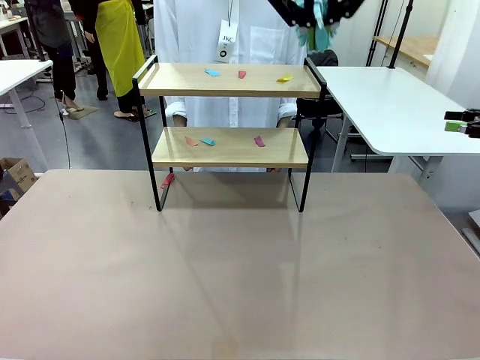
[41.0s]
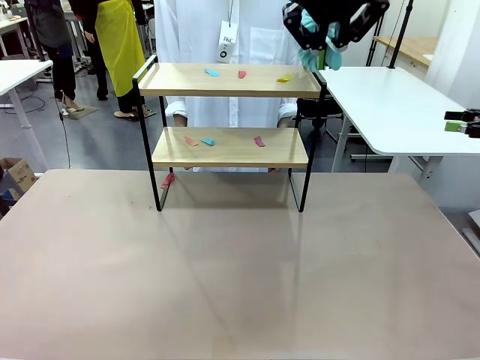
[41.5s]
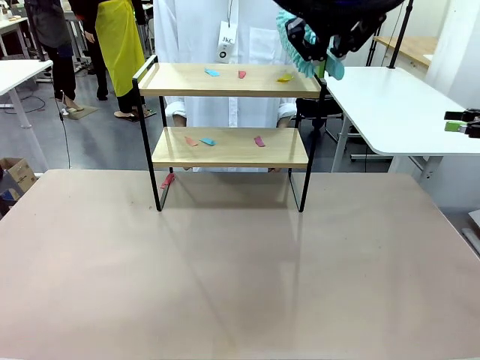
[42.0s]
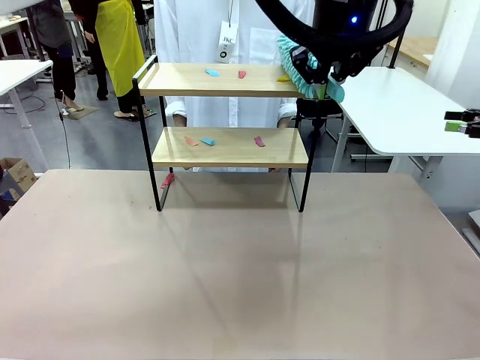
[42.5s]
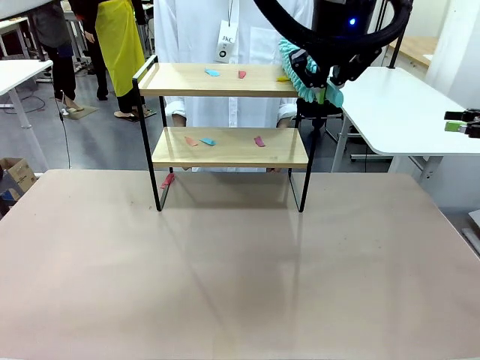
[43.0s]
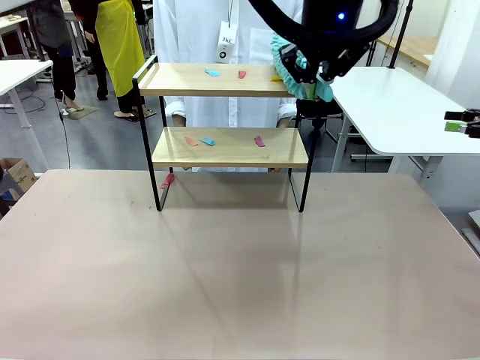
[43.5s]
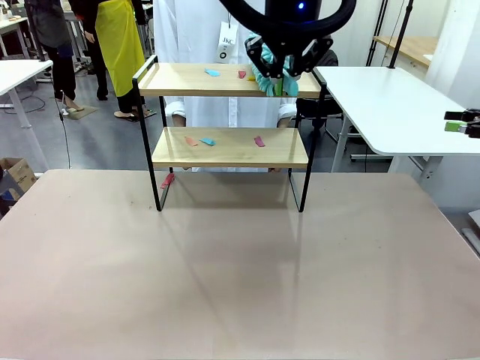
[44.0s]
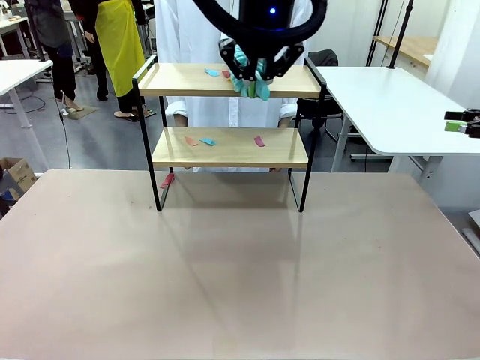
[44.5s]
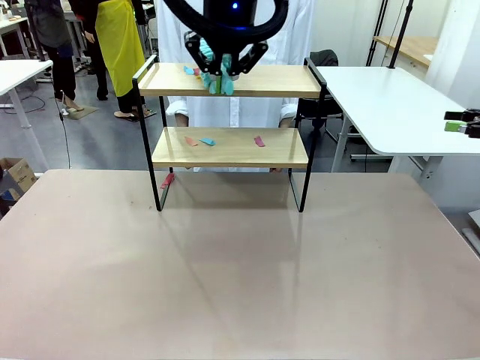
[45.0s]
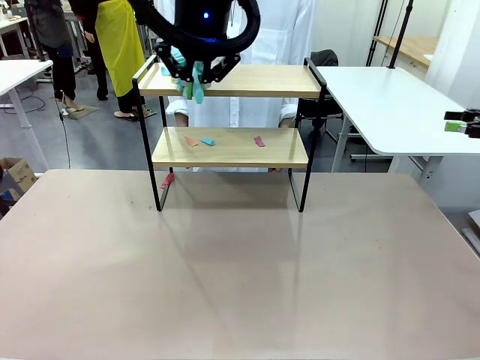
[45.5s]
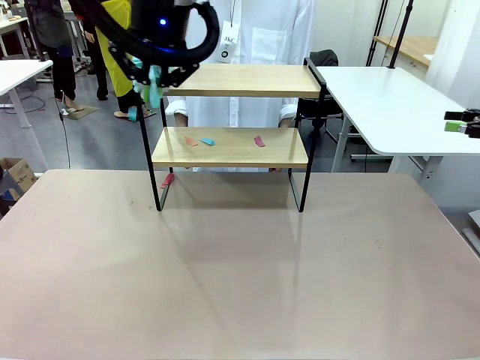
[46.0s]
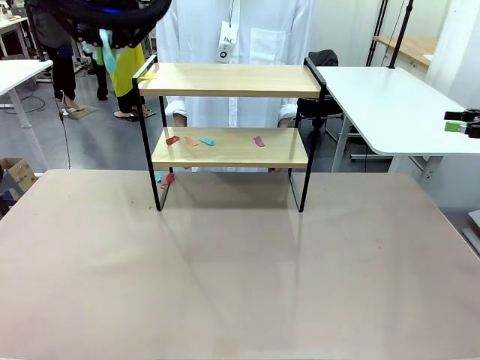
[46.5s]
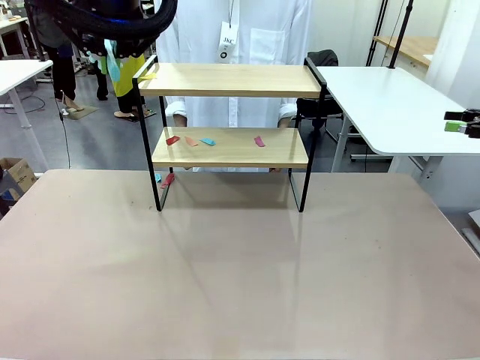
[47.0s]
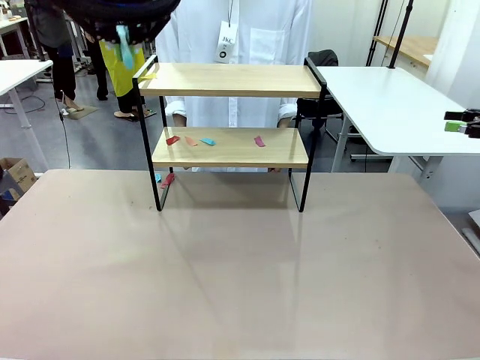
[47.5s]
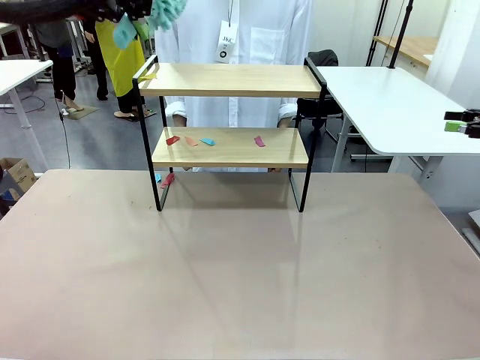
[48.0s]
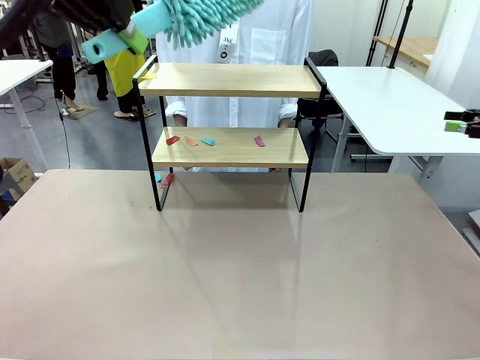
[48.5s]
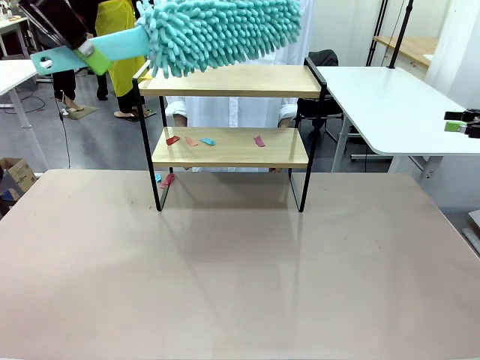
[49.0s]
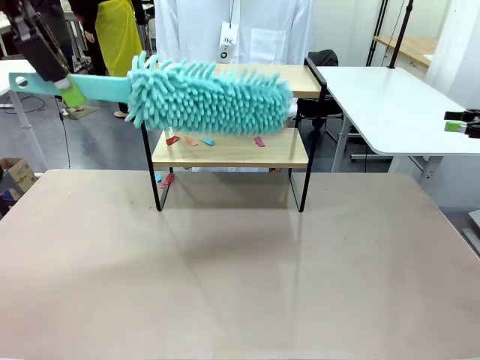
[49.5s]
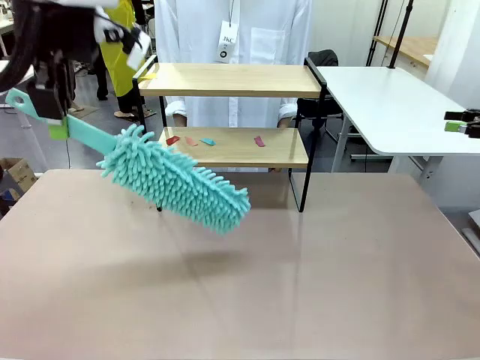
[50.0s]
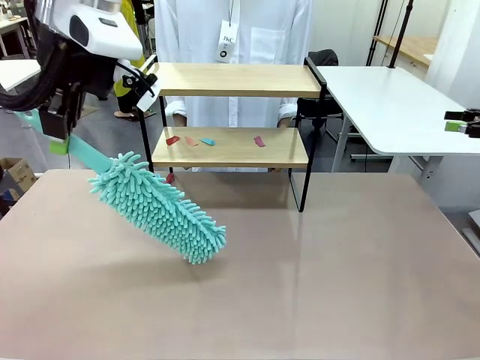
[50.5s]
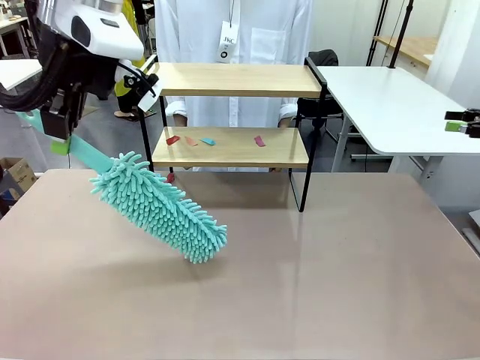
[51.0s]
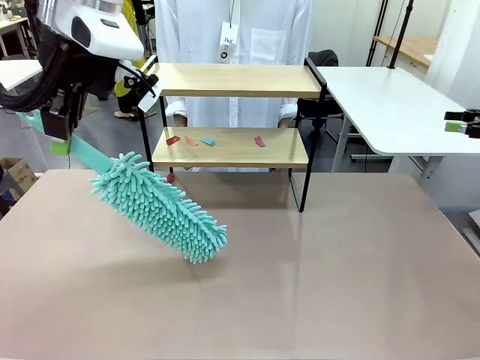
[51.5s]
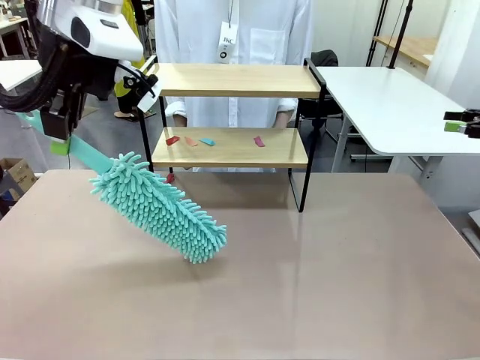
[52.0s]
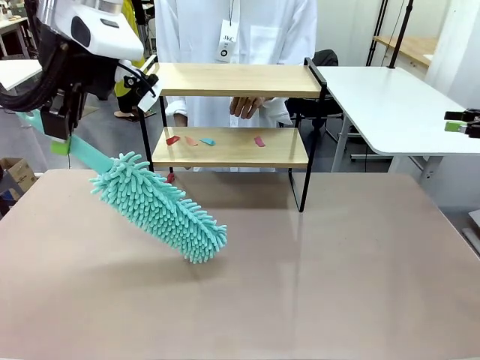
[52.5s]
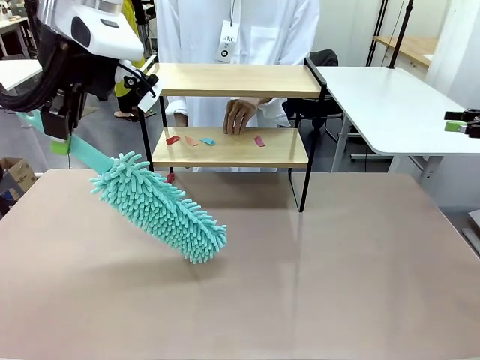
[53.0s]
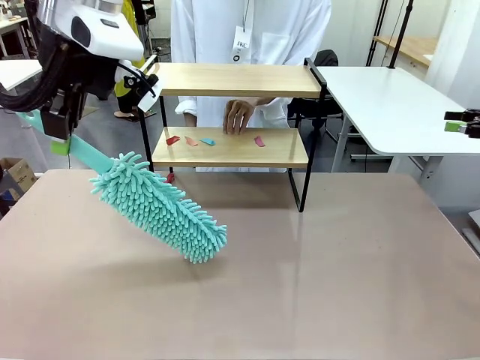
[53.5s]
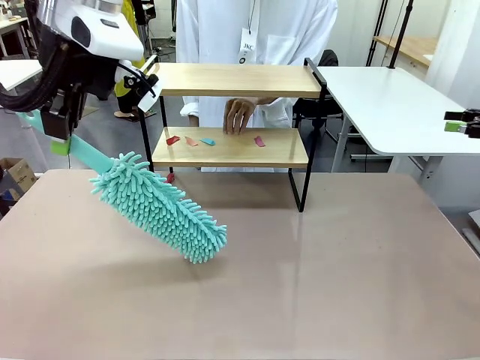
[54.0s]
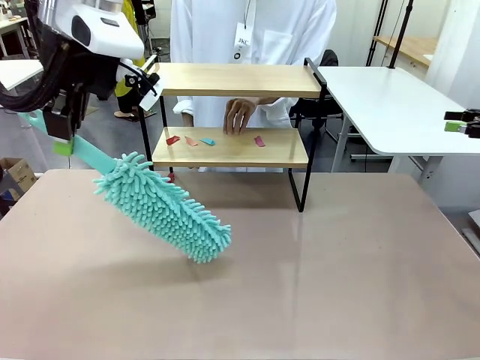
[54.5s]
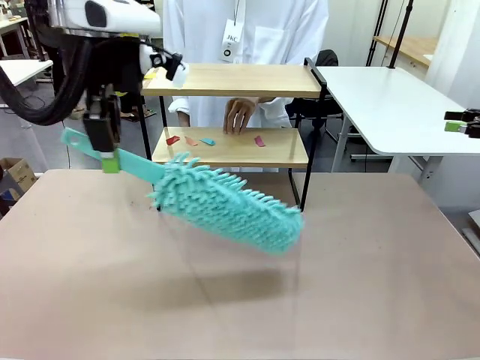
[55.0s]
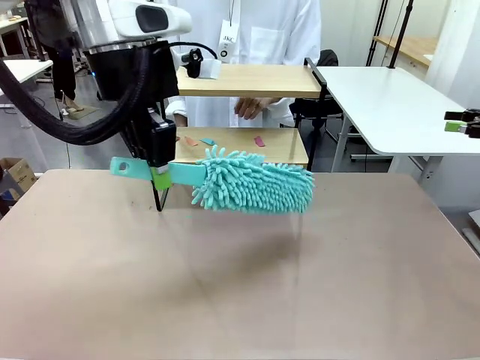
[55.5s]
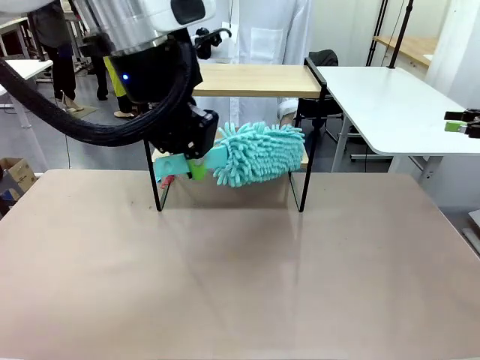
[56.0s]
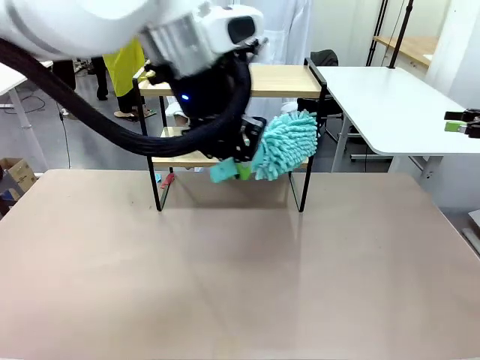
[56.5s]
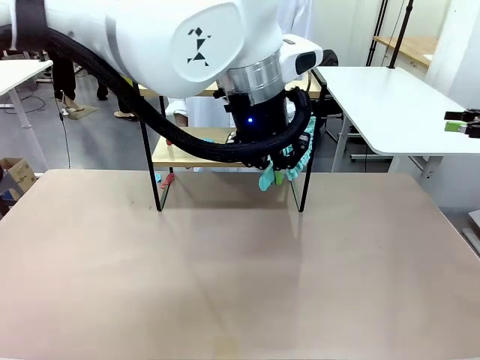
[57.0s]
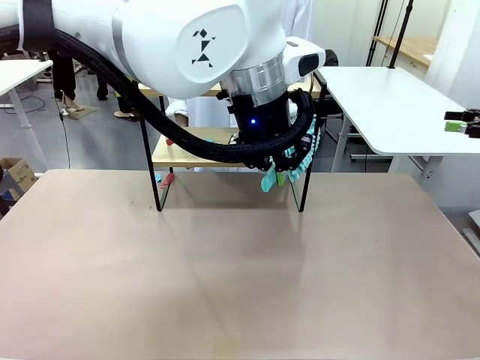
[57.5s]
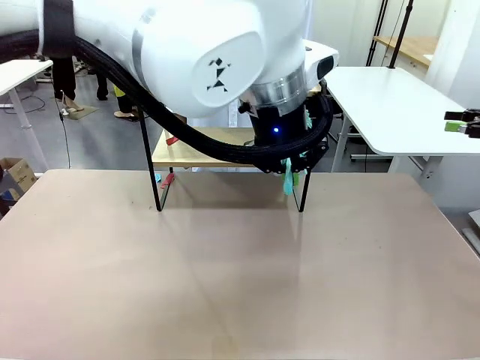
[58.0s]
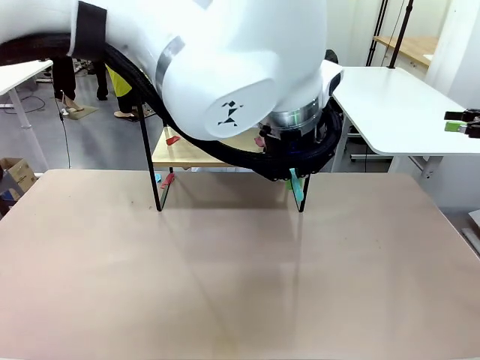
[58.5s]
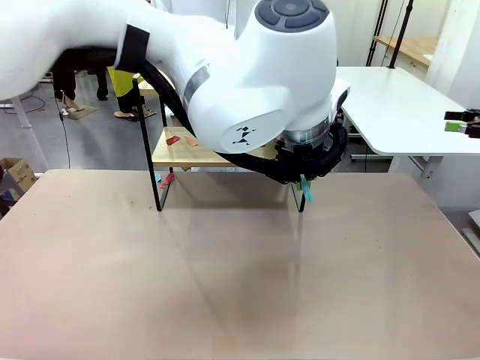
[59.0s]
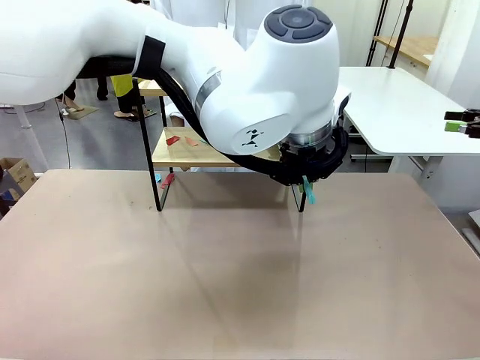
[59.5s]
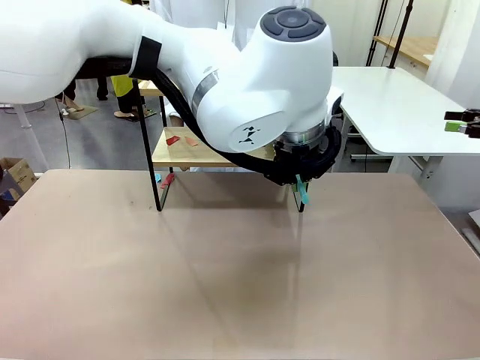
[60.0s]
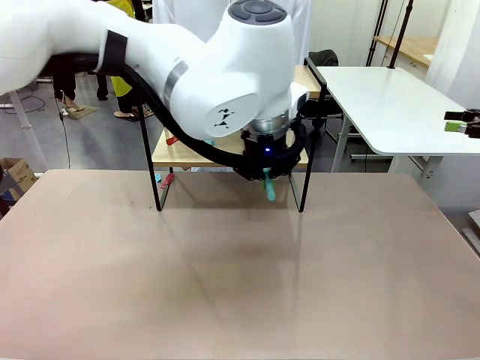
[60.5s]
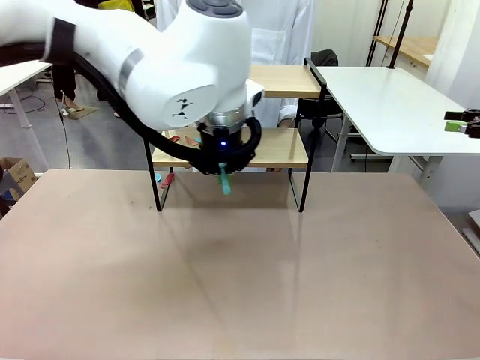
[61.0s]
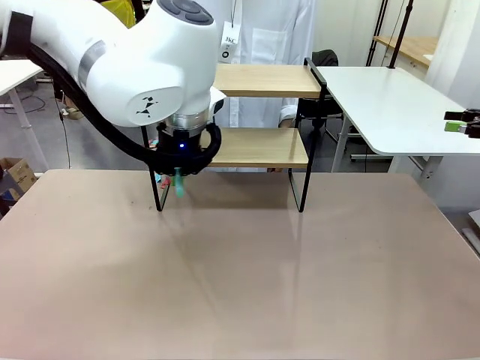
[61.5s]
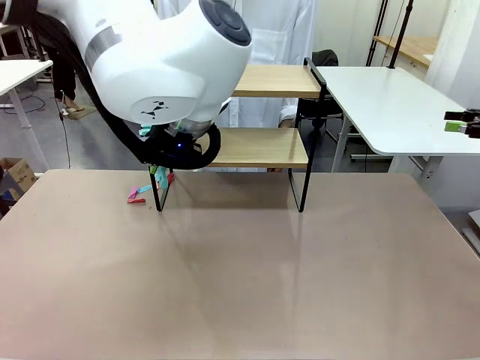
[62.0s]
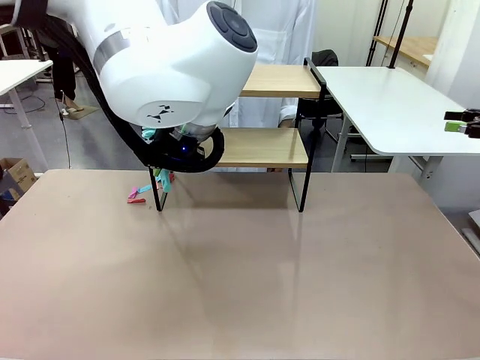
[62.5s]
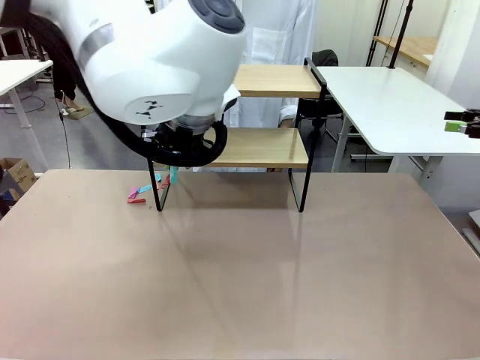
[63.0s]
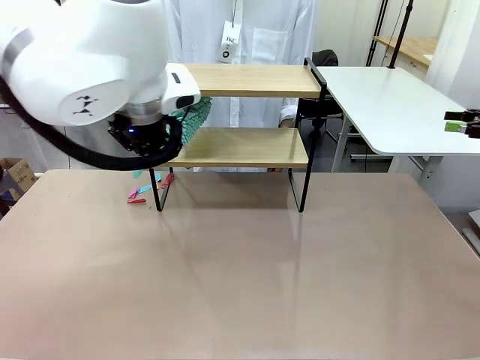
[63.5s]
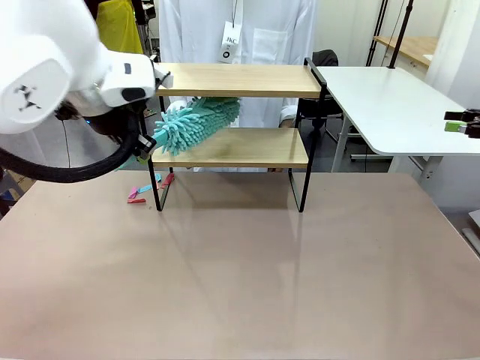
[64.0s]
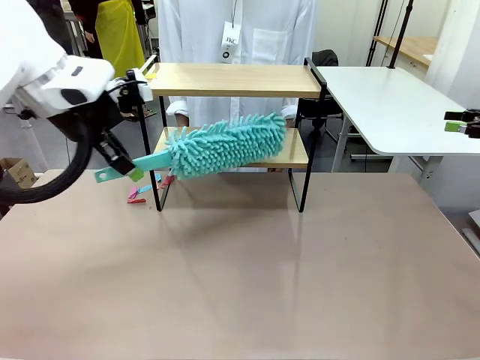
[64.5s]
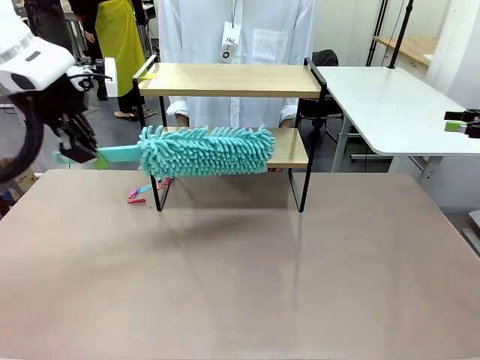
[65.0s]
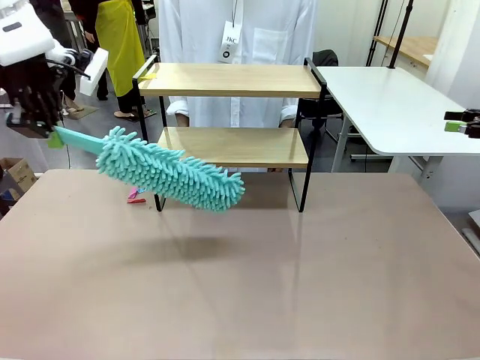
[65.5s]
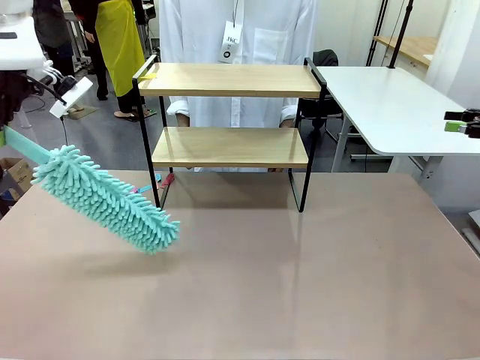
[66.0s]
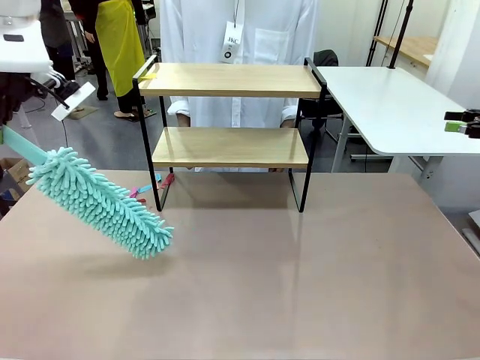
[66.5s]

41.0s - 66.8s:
Task: Clean the shelf.
Robot: Clean the specific section of the Shelf indicated by the human with the Duster.
Person: Point a remaining section of the Shelf.
